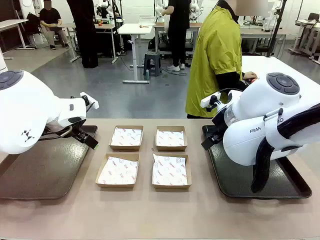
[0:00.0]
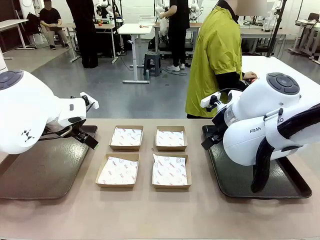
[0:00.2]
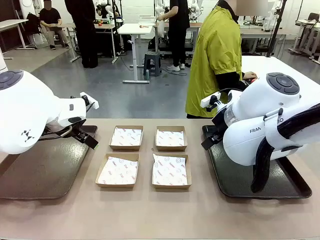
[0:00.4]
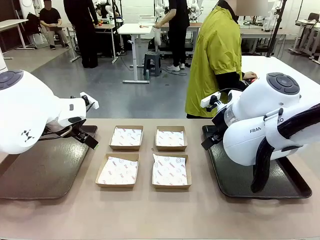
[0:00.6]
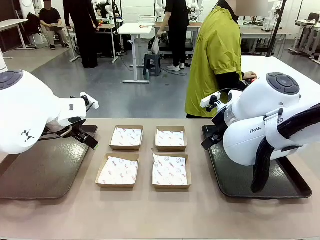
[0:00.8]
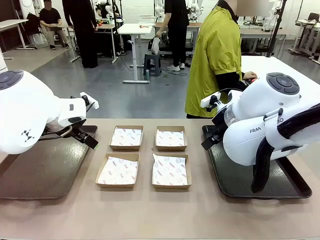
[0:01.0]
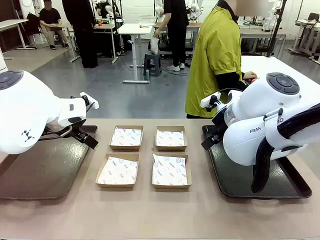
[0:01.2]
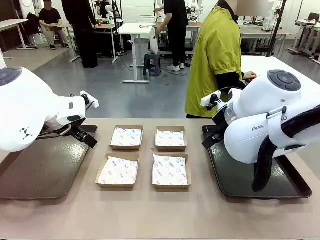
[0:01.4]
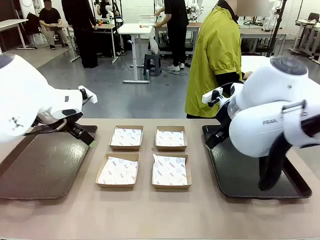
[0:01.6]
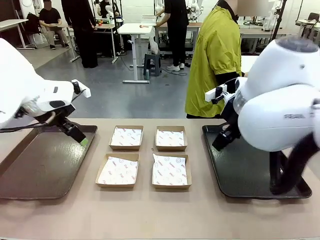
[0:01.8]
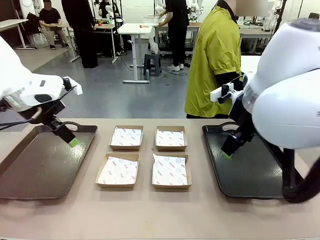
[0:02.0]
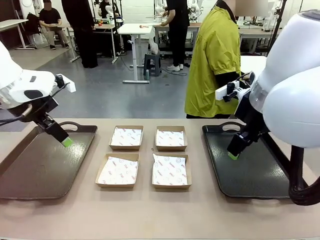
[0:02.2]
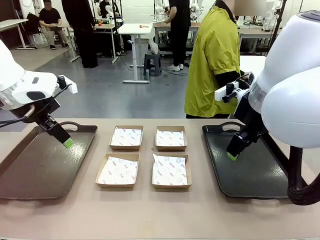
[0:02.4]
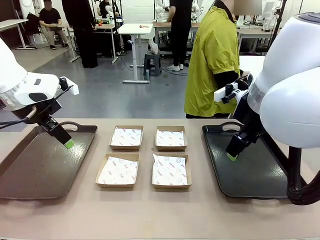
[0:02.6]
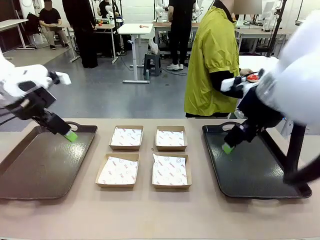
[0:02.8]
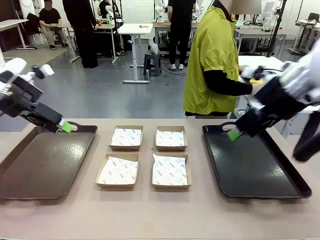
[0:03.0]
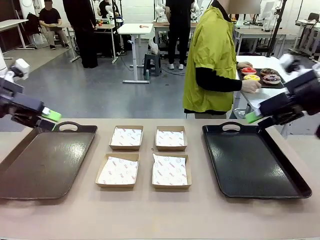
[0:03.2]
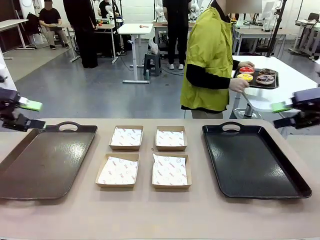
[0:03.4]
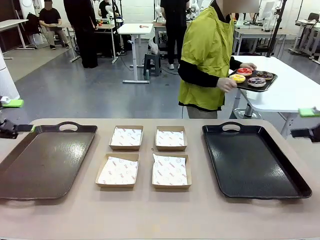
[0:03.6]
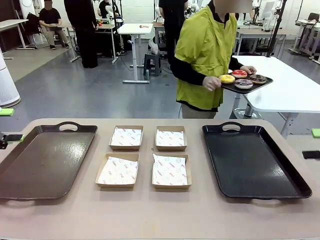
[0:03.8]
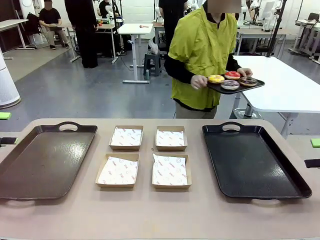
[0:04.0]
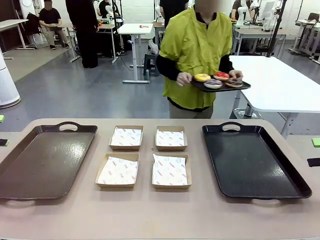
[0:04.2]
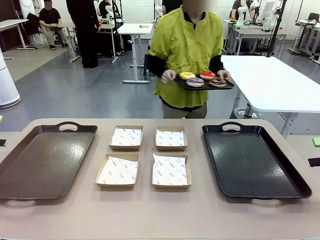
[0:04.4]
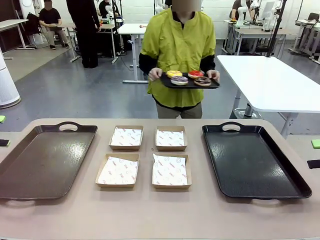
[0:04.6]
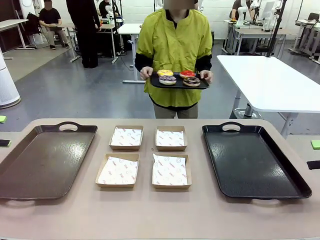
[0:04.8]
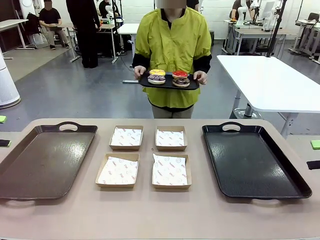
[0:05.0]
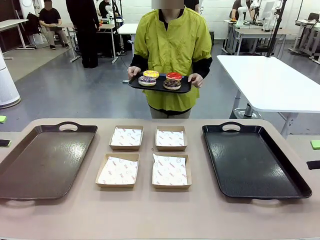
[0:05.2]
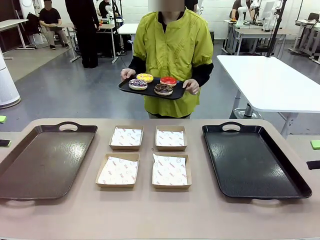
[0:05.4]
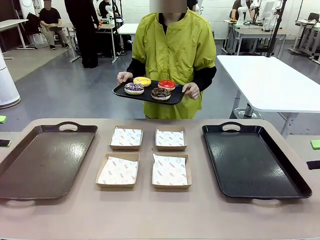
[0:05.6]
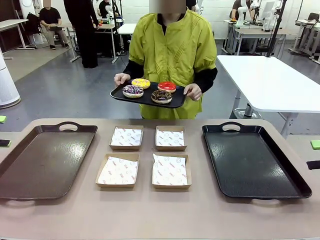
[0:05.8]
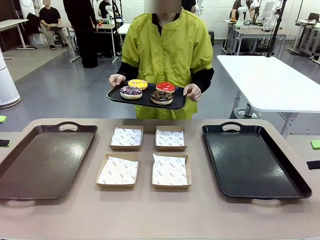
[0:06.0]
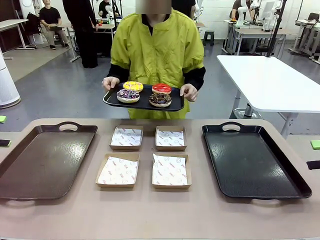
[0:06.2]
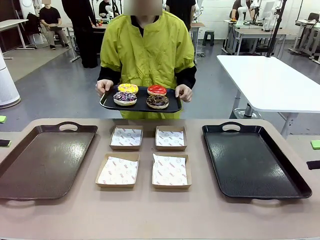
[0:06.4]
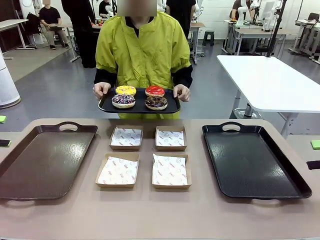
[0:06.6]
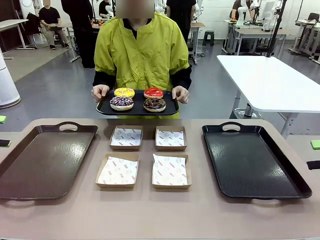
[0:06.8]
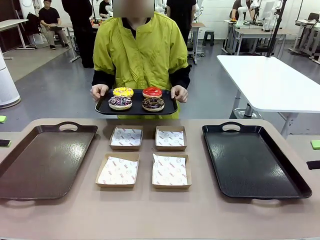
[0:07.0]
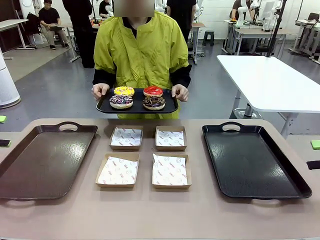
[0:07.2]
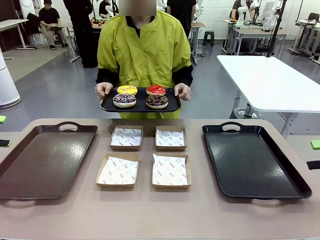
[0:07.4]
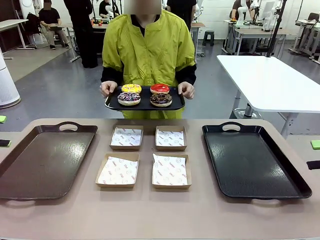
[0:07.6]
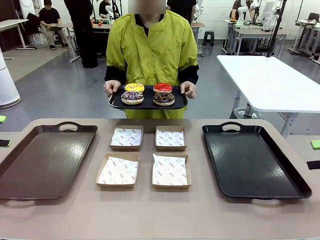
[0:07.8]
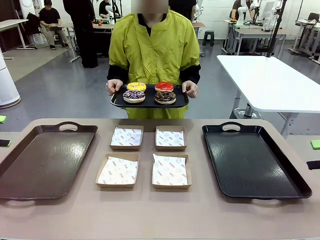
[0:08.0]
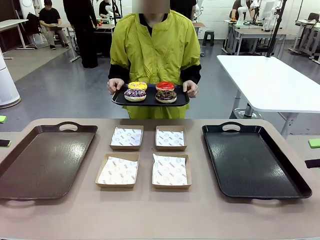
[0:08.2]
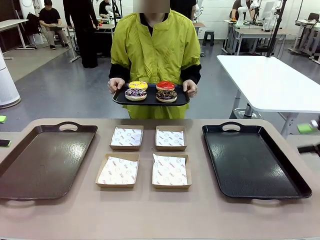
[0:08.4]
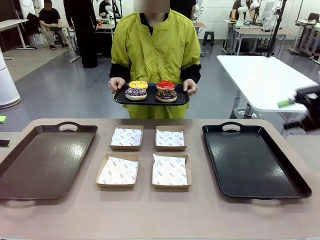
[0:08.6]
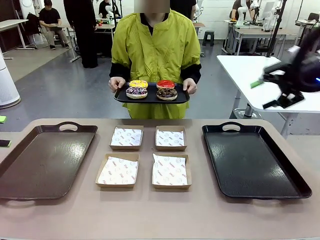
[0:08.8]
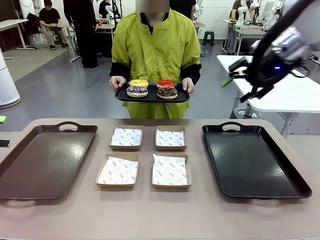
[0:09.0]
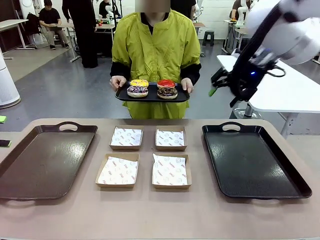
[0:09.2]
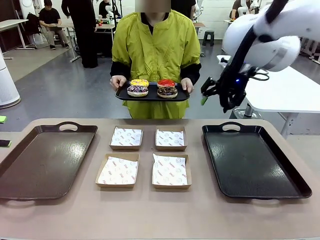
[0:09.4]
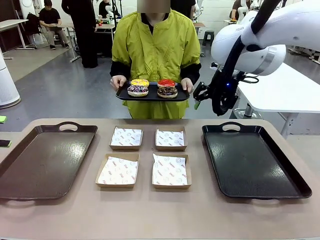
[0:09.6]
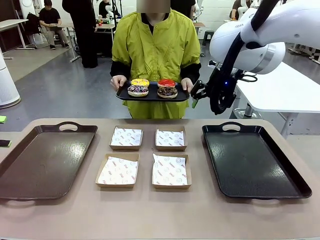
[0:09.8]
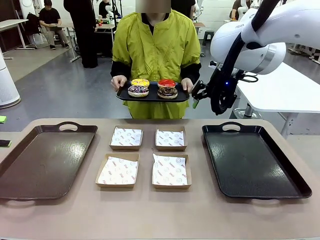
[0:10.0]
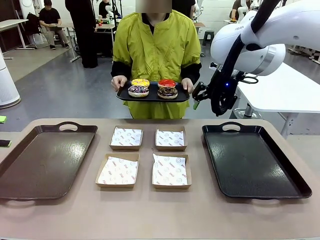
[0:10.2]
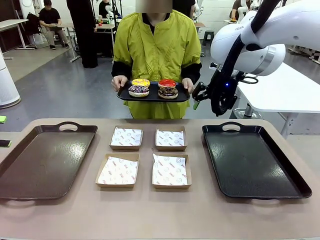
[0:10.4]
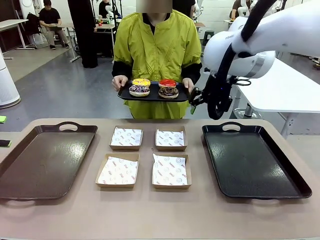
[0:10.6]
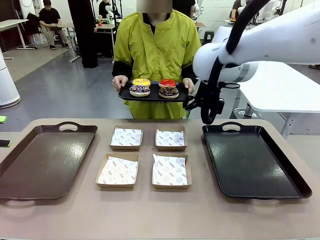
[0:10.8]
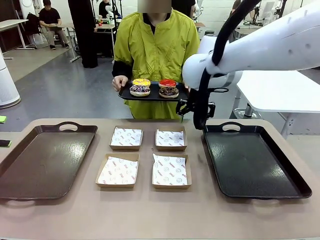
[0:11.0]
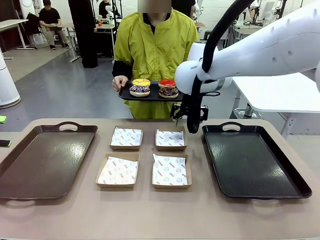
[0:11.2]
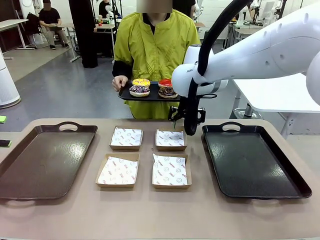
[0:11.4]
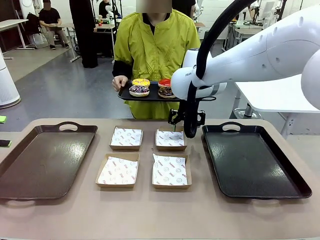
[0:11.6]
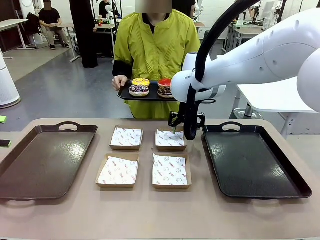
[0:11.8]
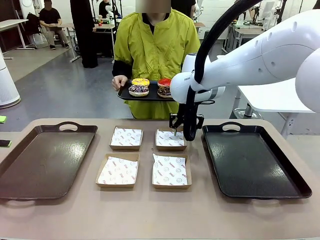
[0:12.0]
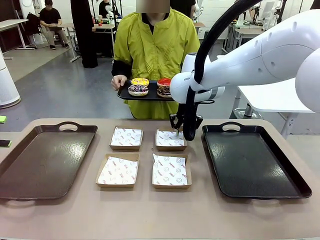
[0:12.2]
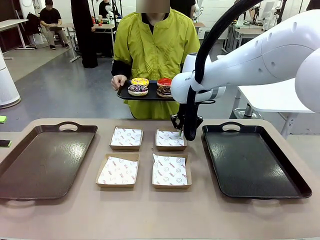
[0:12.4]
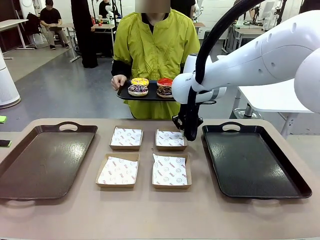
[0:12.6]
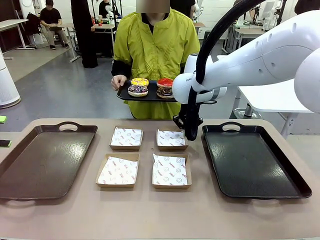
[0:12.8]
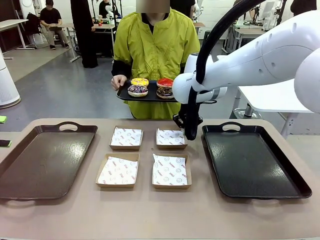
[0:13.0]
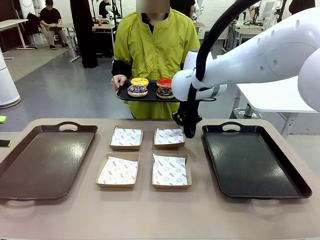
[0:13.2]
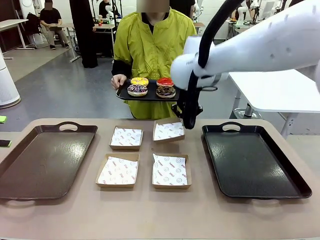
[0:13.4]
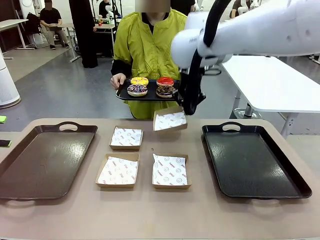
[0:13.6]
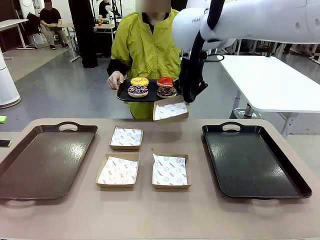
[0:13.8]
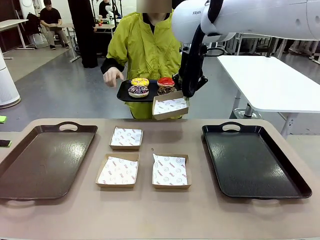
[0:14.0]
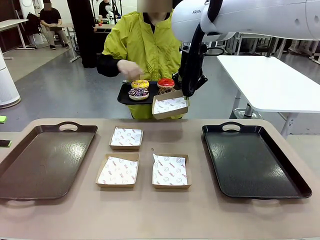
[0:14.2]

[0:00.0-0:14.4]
Task: Individually package the donuts and arrange them on the tray.
Robot: Pick up one Paper togo box.
Person: Stand in front of the robot table holding the tray containing the donuts.
